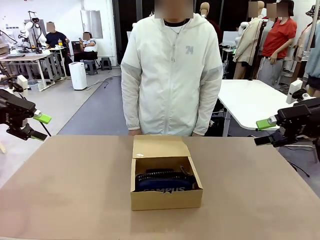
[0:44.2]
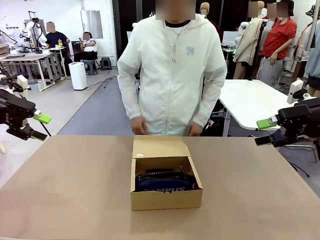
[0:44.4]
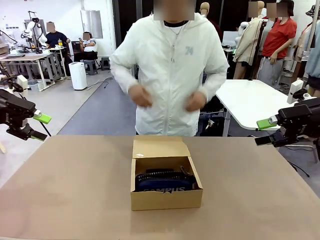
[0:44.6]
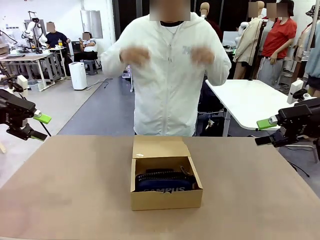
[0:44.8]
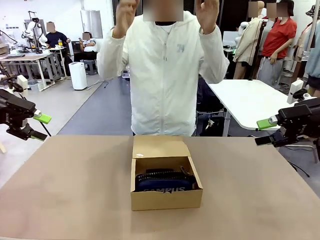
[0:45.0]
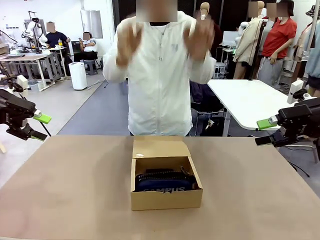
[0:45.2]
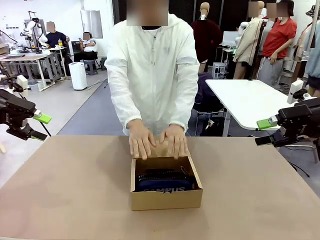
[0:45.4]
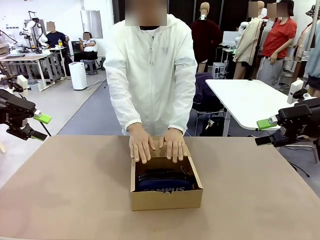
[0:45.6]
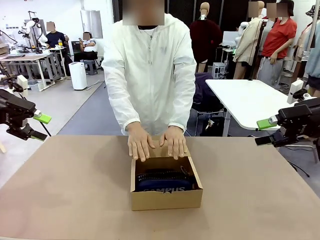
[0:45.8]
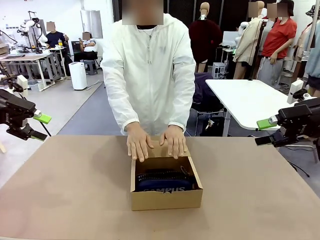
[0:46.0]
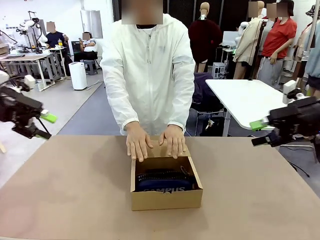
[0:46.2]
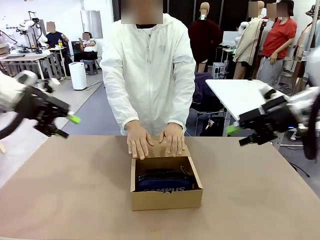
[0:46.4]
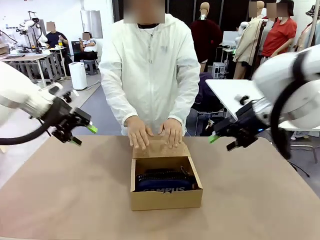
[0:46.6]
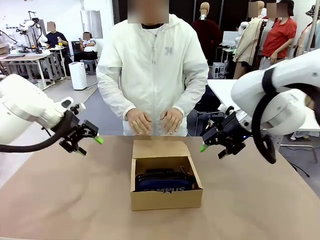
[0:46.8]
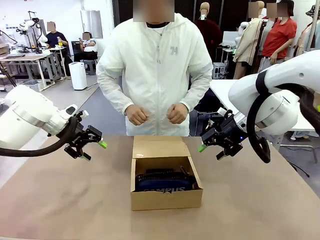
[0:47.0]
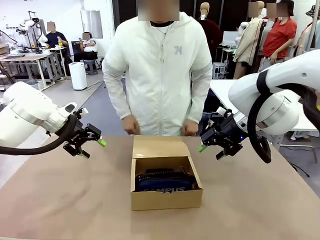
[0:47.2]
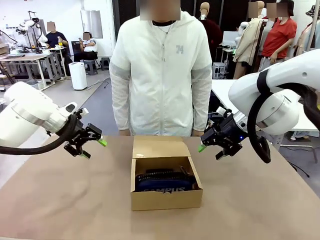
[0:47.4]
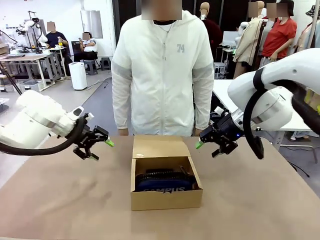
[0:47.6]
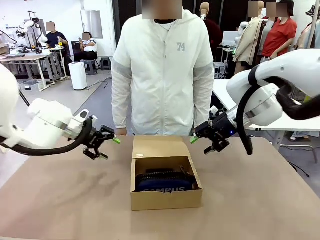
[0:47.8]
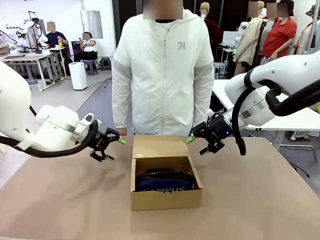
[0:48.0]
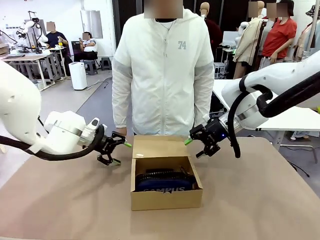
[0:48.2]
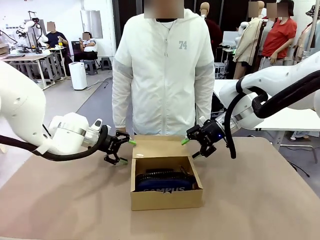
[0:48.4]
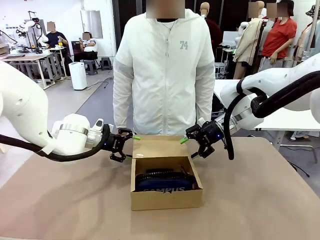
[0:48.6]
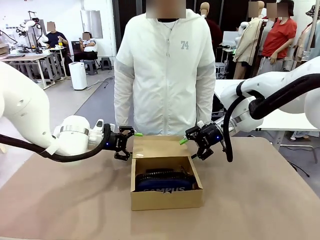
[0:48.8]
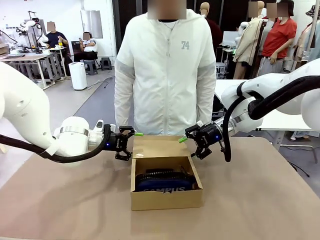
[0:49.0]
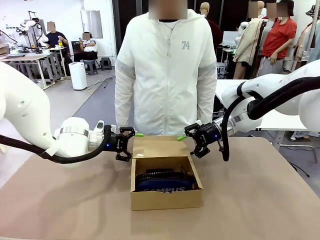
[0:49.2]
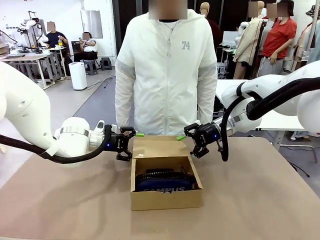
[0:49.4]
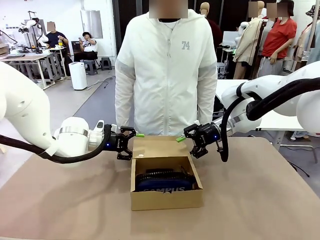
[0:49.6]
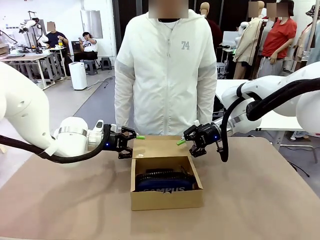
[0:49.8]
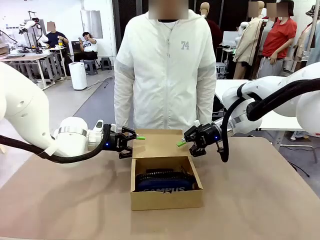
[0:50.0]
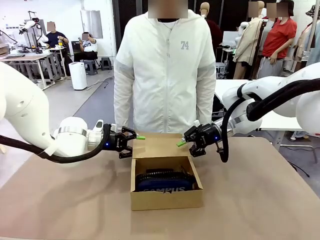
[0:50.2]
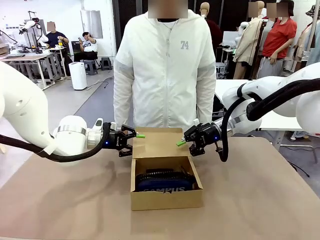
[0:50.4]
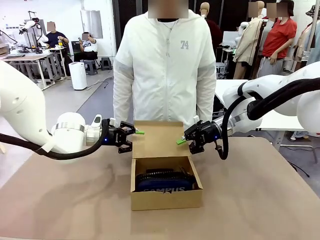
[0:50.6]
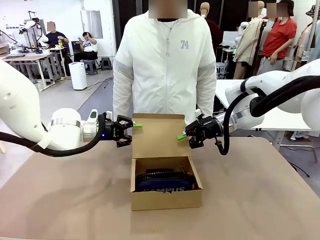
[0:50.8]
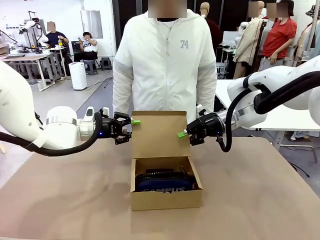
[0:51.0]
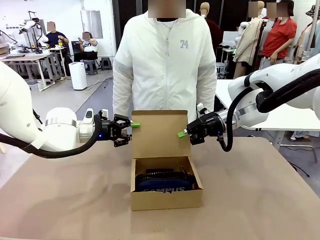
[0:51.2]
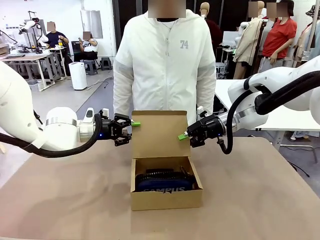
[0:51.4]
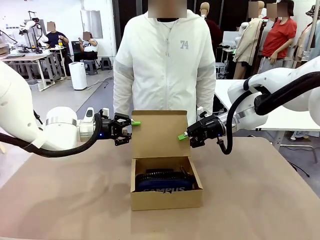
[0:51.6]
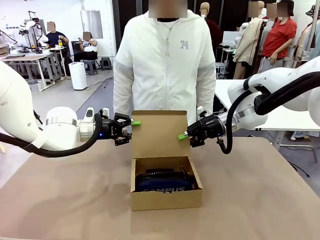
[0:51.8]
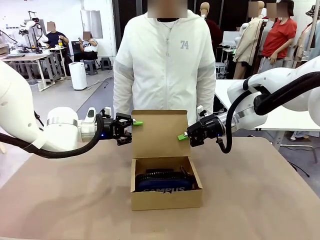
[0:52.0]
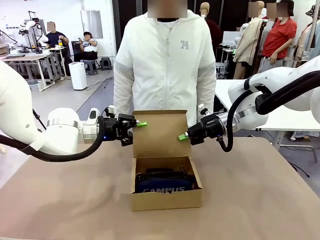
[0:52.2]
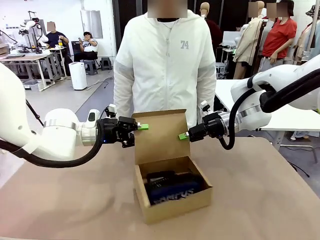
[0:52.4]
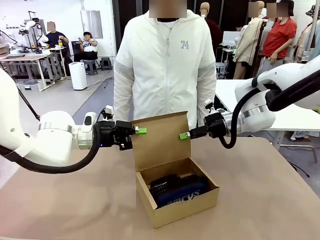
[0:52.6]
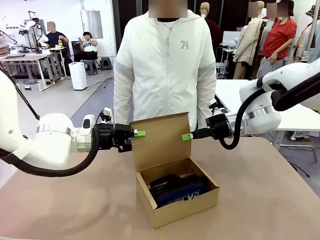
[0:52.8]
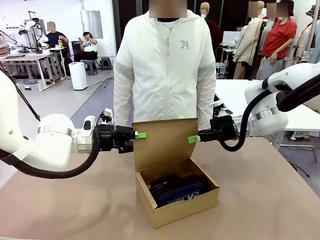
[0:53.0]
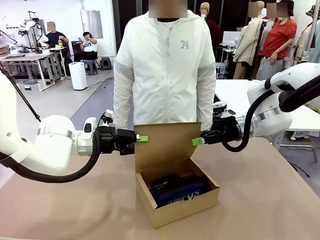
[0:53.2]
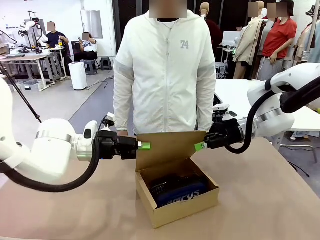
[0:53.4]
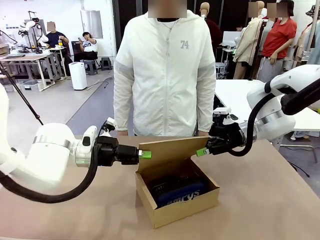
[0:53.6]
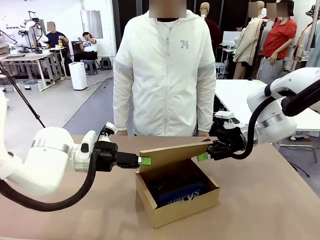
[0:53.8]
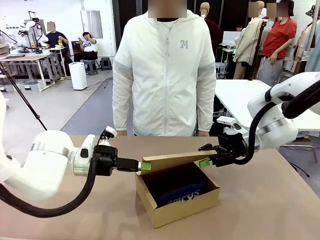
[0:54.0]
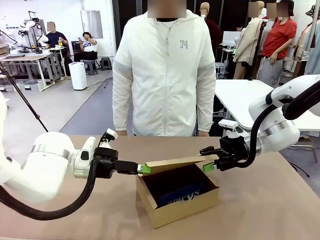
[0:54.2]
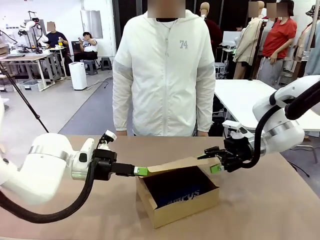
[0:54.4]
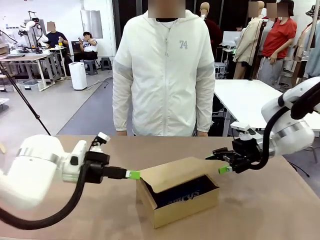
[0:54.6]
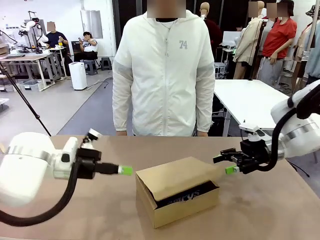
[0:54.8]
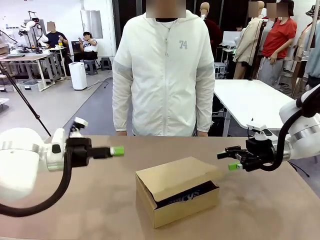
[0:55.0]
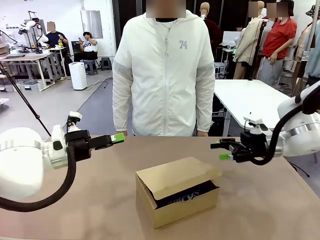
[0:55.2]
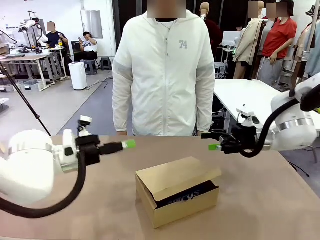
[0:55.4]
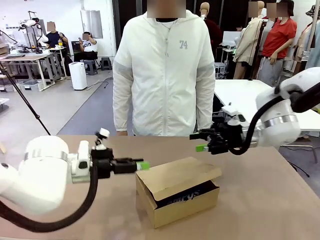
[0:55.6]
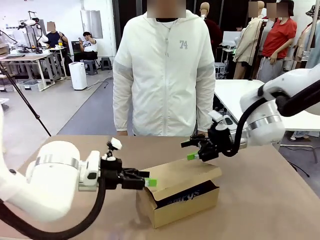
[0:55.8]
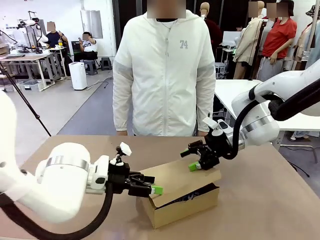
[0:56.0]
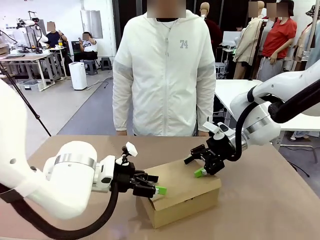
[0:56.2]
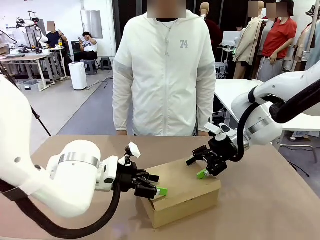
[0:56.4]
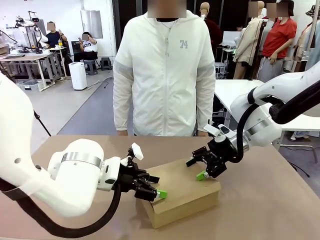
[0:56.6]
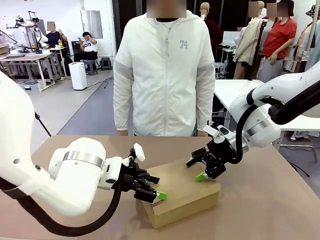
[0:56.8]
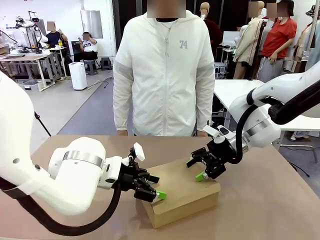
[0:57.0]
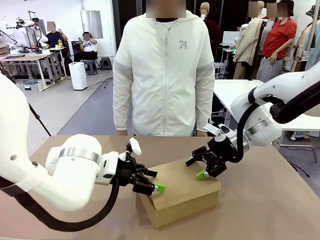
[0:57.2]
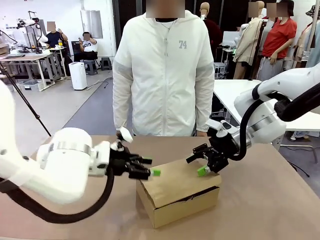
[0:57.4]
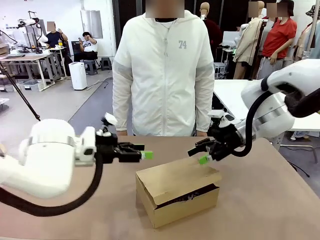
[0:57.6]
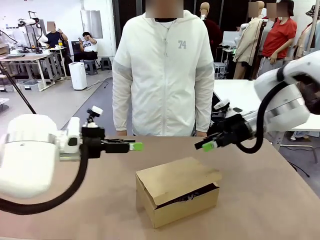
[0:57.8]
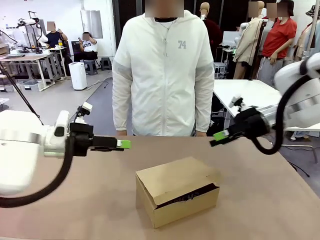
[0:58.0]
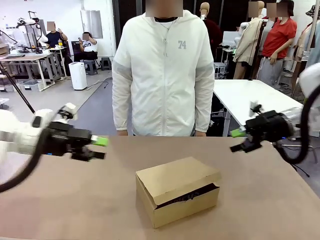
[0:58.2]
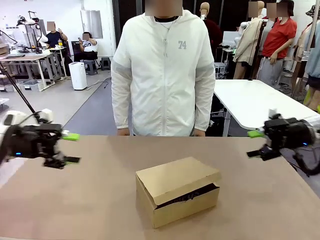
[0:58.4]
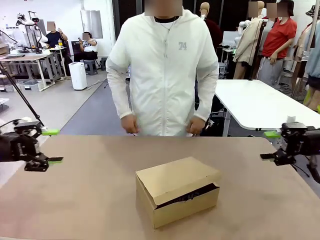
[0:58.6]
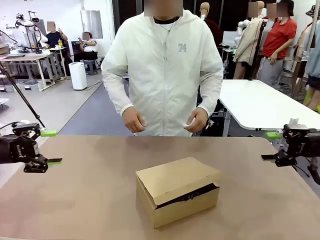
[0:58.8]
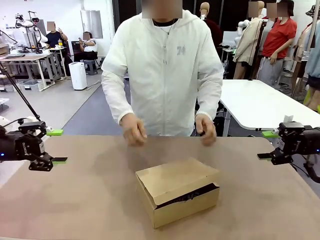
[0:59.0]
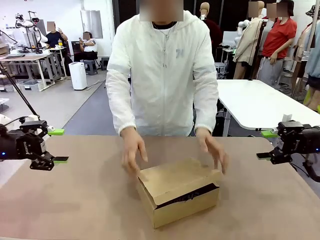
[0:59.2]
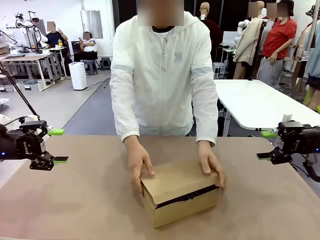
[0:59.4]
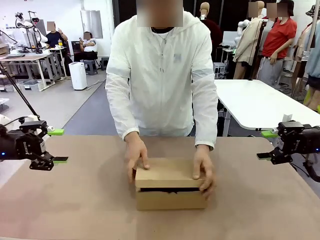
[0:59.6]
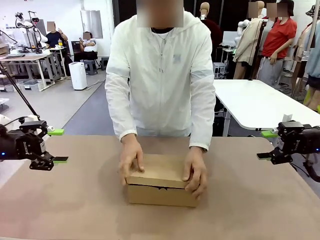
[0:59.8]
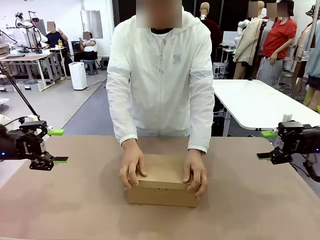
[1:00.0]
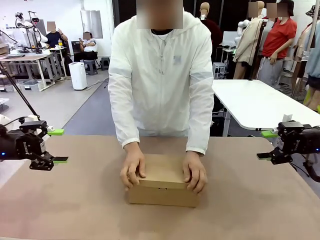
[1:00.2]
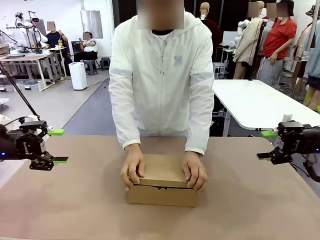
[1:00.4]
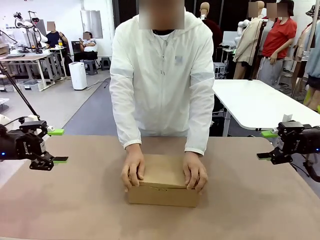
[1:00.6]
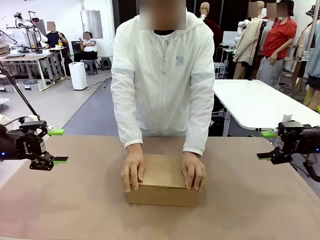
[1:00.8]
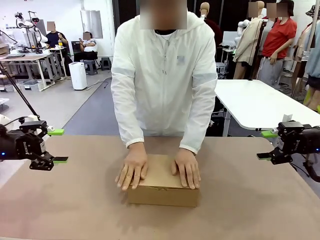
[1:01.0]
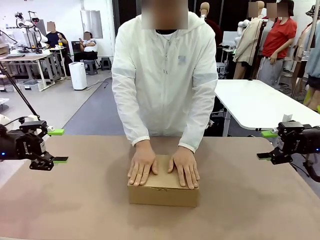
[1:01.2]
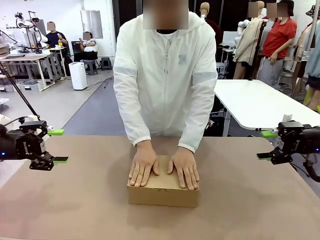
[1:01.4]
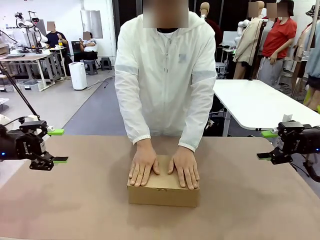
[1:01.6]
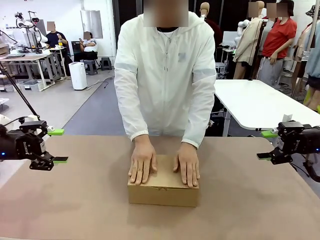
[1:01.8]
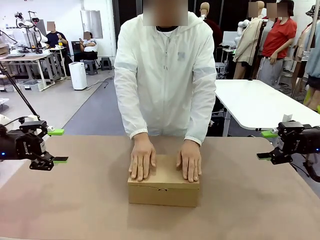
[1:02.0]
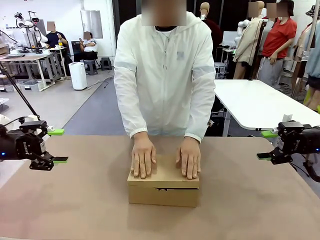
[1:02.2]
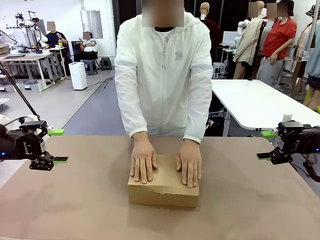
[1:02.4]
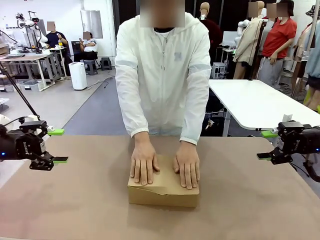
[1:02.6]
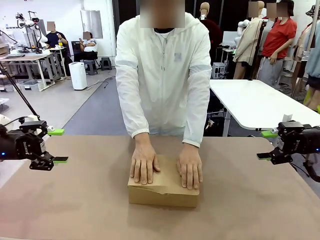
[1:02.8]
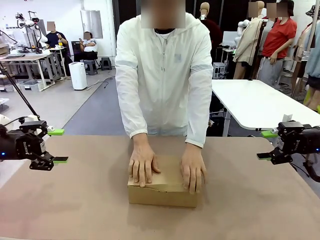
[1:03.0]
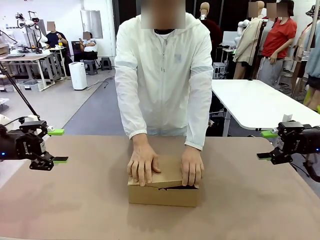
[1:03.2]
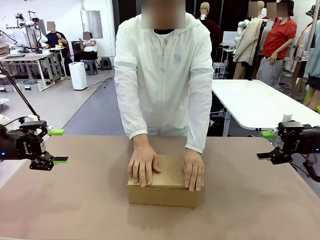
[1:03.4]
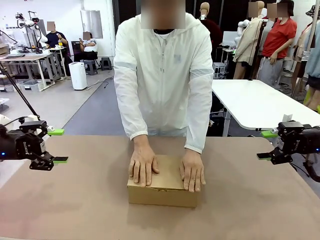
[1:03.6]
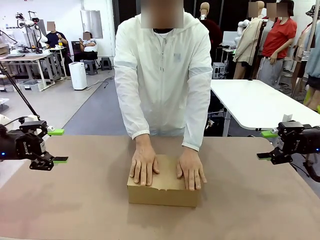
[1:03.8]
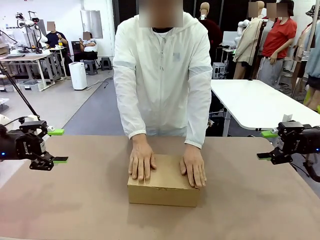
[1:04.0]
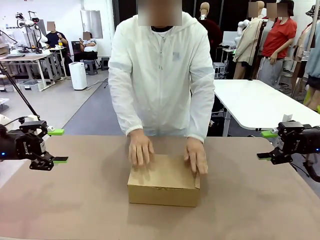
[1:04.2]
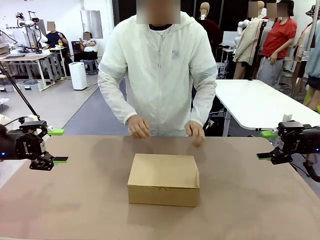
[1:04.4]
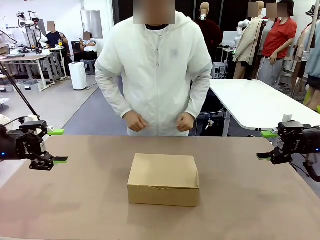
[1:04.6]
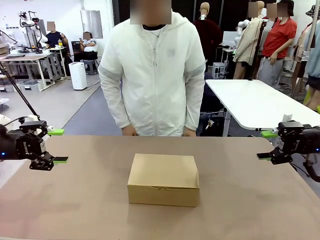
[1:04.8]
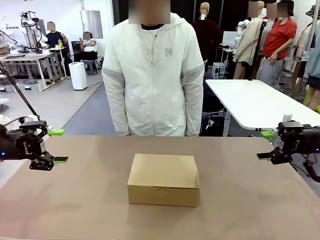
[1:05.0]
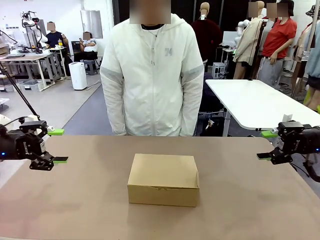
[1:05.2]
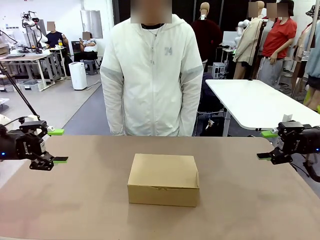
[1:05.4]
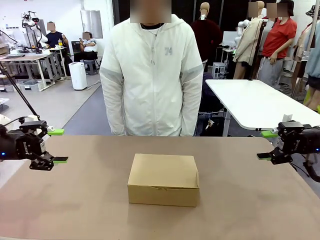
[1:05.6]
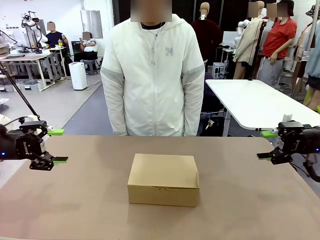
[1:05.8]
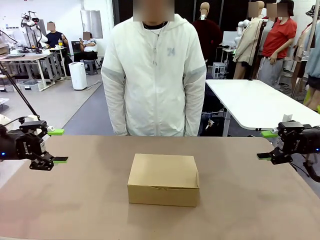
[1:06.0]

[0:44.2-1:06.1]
Task: Pack the items into the box.
Robot: Close the Mailer Box.
Person: Turn the box and lock it.
